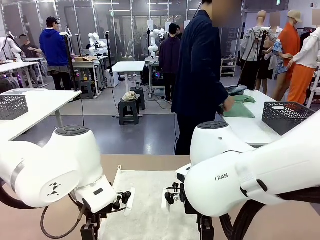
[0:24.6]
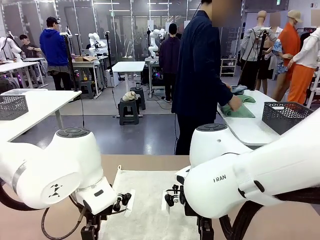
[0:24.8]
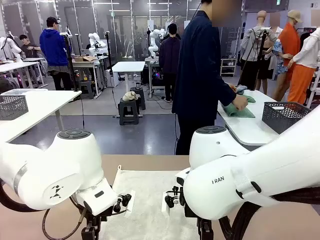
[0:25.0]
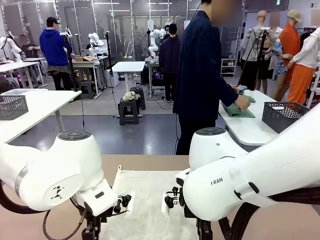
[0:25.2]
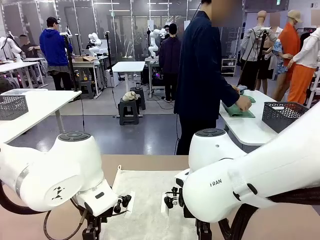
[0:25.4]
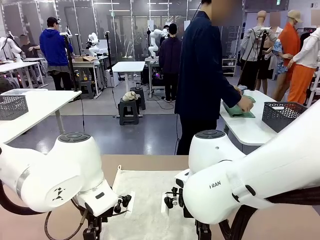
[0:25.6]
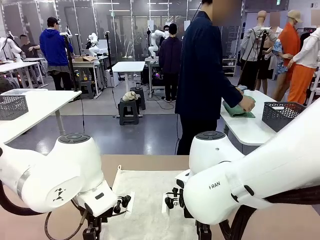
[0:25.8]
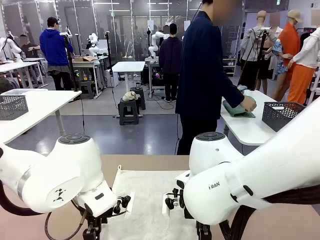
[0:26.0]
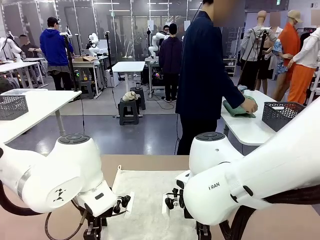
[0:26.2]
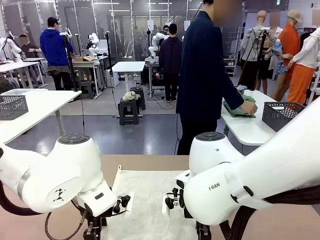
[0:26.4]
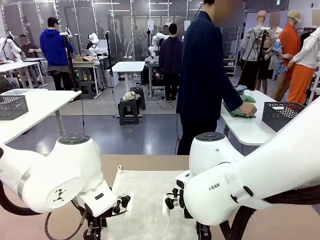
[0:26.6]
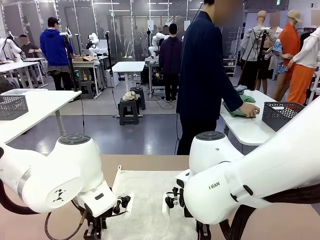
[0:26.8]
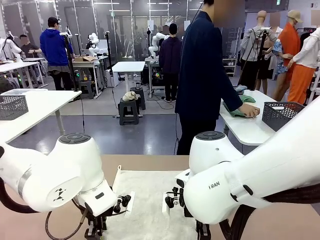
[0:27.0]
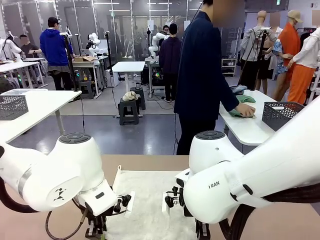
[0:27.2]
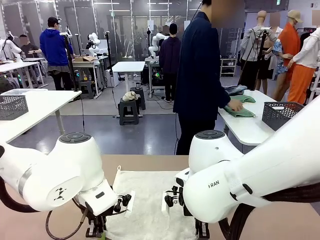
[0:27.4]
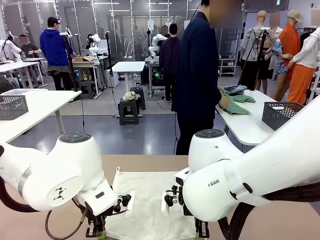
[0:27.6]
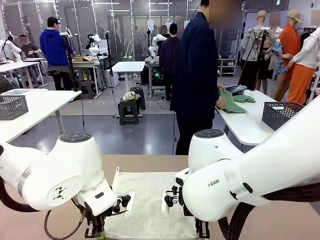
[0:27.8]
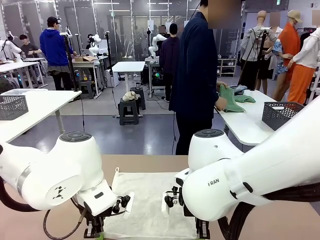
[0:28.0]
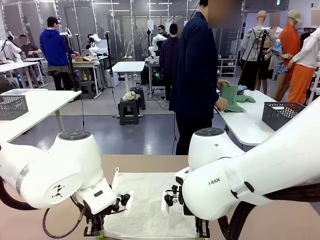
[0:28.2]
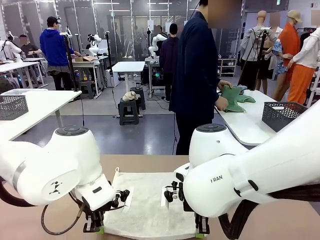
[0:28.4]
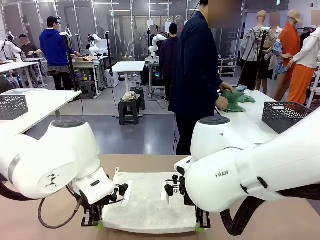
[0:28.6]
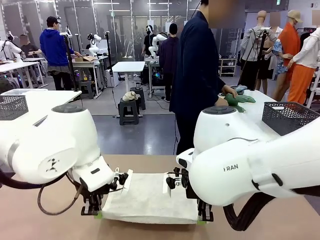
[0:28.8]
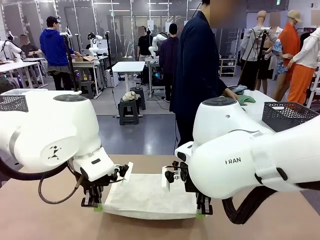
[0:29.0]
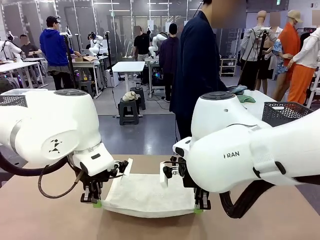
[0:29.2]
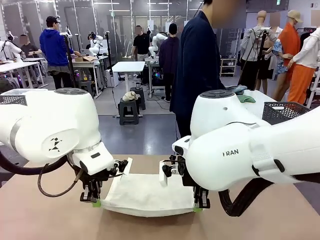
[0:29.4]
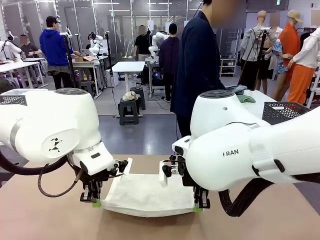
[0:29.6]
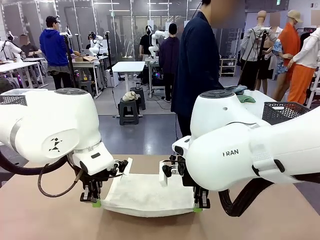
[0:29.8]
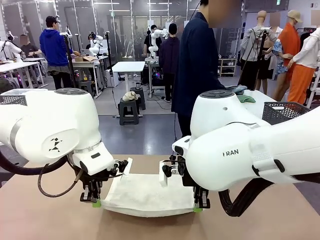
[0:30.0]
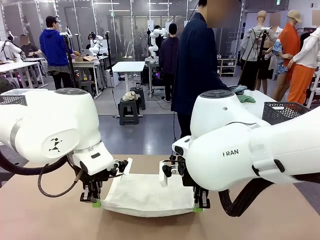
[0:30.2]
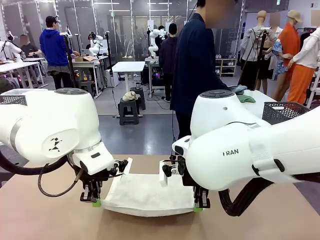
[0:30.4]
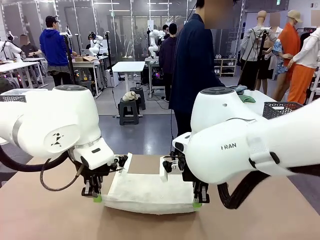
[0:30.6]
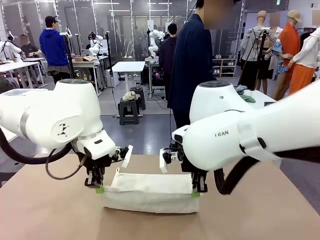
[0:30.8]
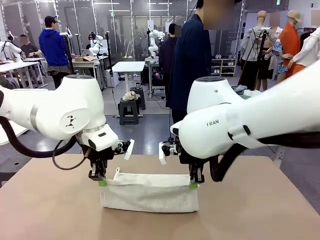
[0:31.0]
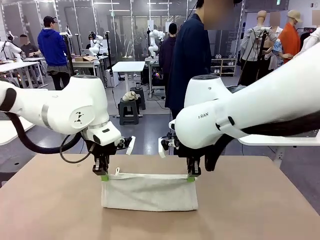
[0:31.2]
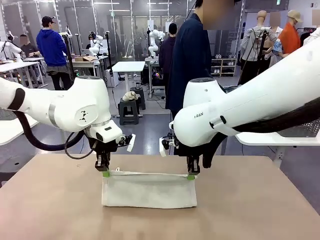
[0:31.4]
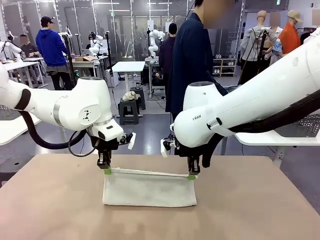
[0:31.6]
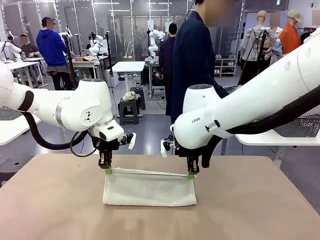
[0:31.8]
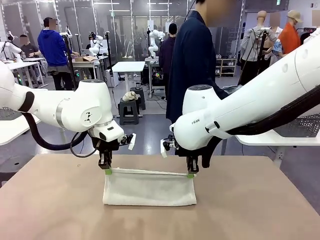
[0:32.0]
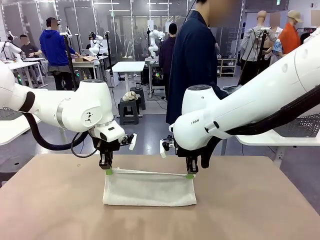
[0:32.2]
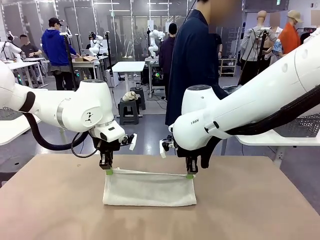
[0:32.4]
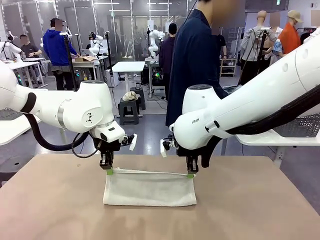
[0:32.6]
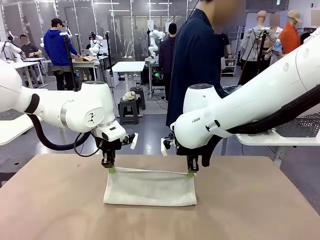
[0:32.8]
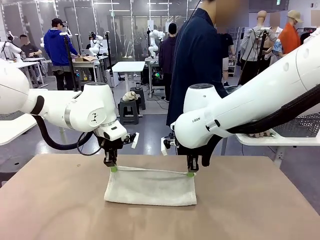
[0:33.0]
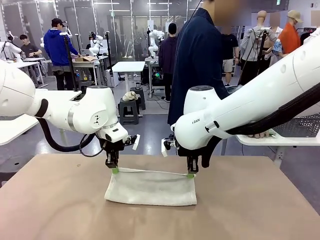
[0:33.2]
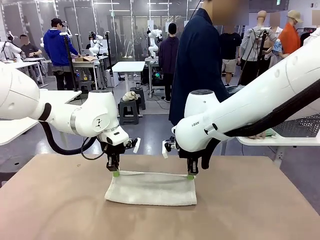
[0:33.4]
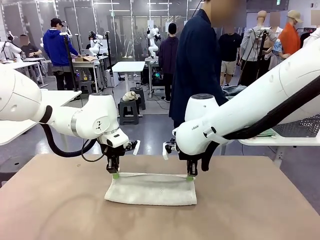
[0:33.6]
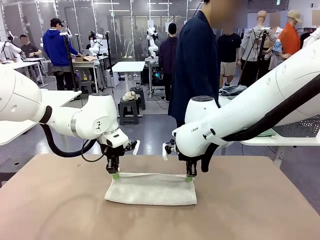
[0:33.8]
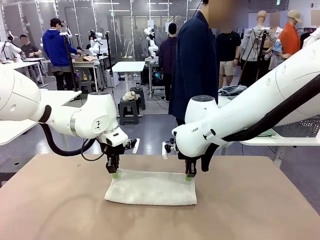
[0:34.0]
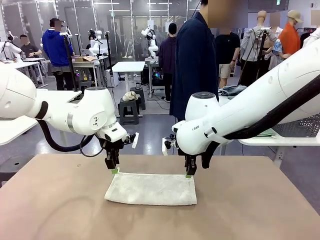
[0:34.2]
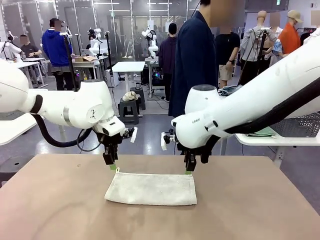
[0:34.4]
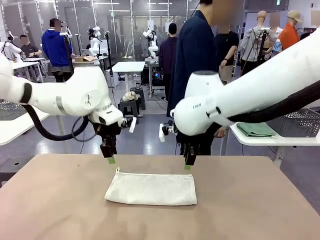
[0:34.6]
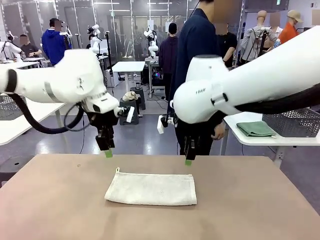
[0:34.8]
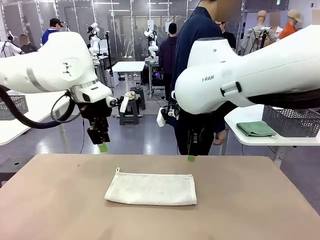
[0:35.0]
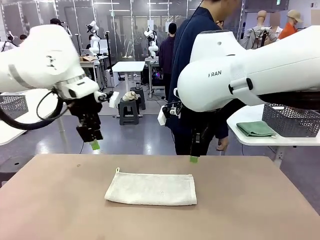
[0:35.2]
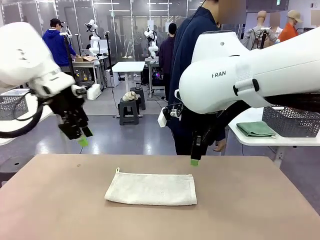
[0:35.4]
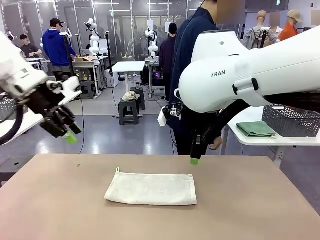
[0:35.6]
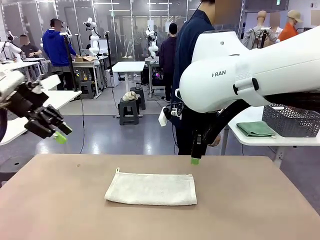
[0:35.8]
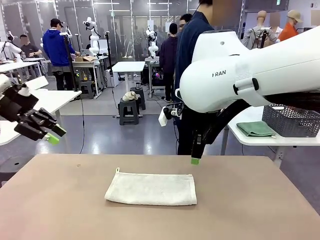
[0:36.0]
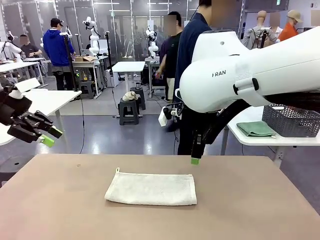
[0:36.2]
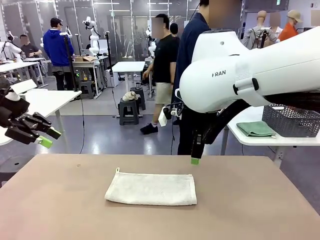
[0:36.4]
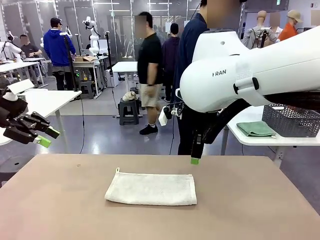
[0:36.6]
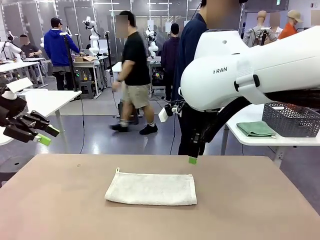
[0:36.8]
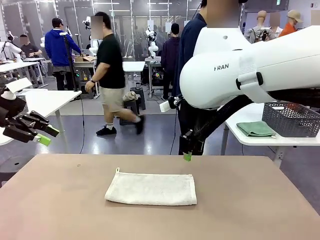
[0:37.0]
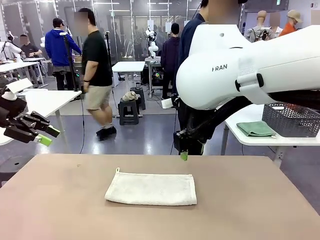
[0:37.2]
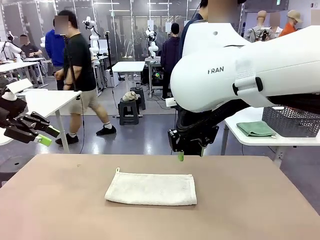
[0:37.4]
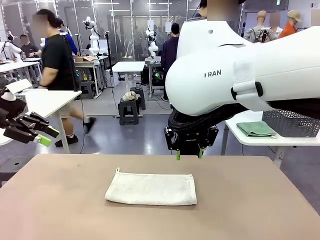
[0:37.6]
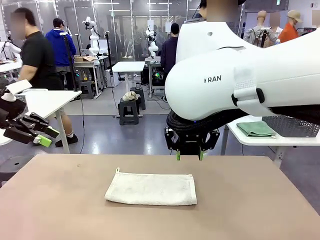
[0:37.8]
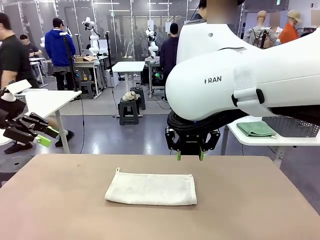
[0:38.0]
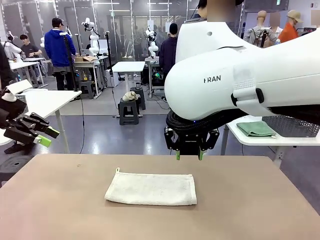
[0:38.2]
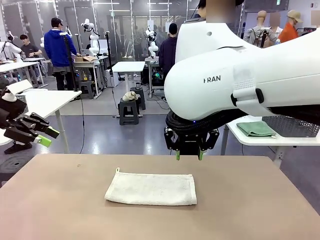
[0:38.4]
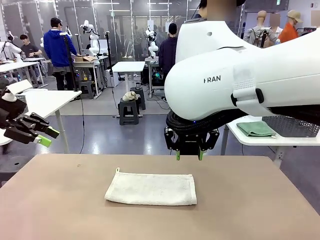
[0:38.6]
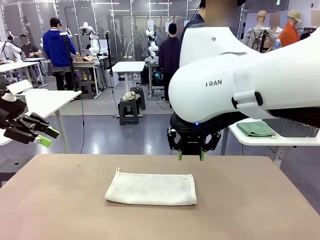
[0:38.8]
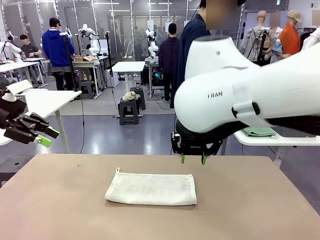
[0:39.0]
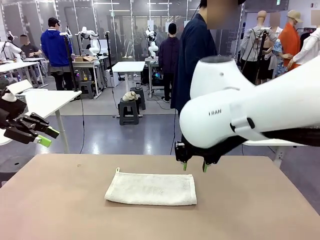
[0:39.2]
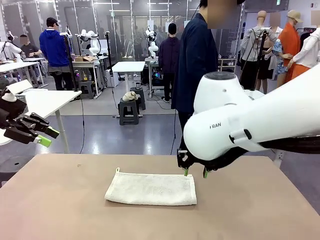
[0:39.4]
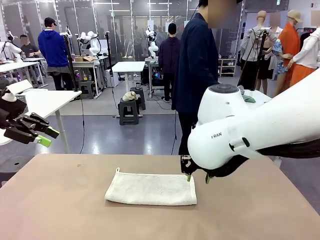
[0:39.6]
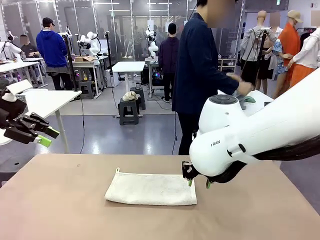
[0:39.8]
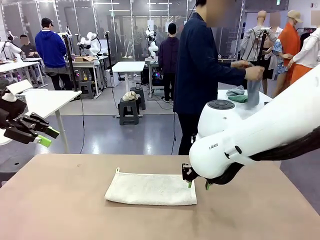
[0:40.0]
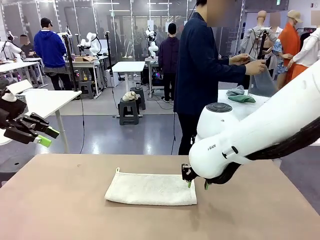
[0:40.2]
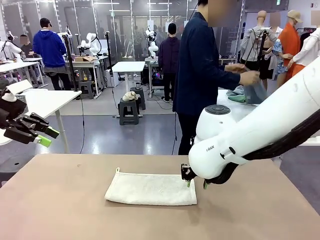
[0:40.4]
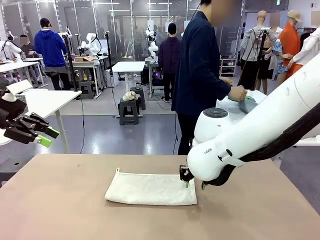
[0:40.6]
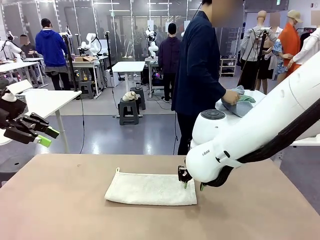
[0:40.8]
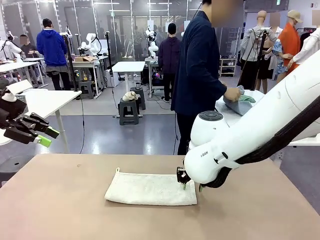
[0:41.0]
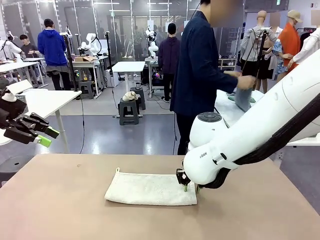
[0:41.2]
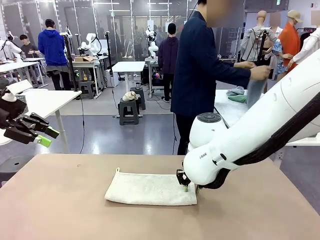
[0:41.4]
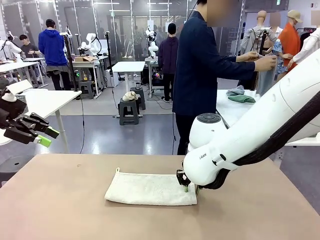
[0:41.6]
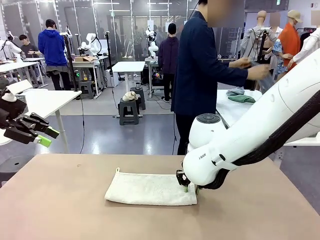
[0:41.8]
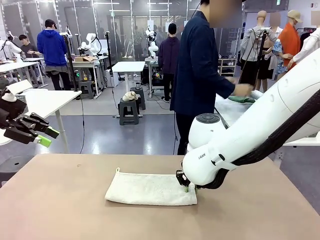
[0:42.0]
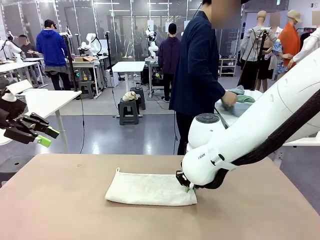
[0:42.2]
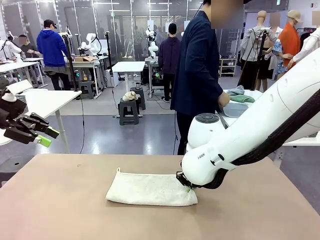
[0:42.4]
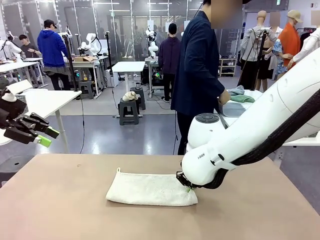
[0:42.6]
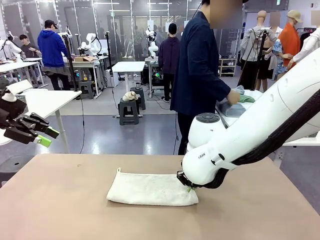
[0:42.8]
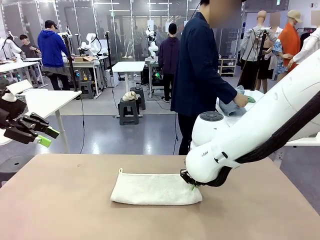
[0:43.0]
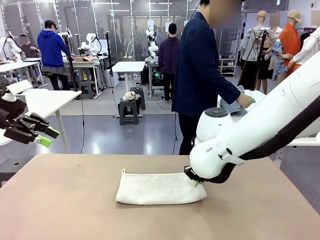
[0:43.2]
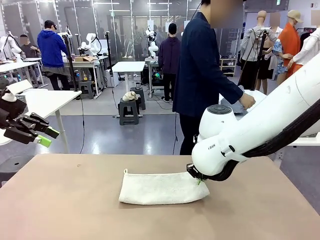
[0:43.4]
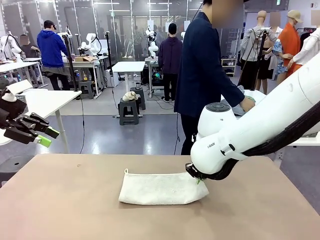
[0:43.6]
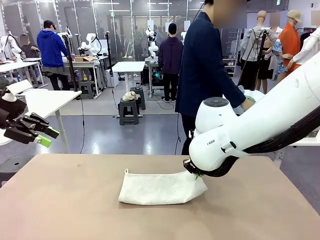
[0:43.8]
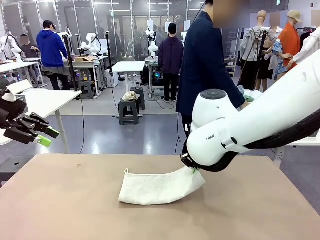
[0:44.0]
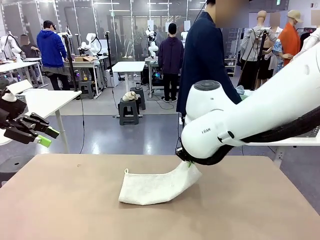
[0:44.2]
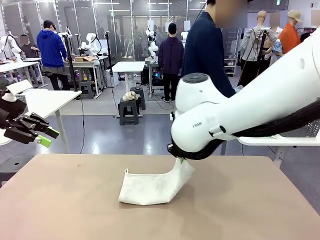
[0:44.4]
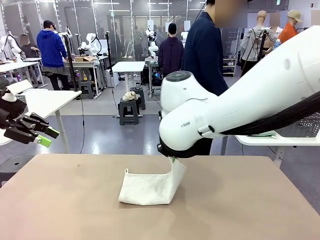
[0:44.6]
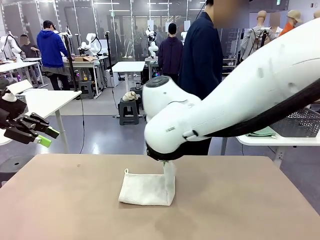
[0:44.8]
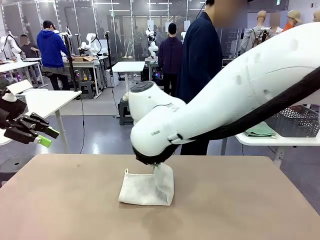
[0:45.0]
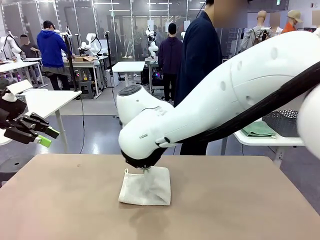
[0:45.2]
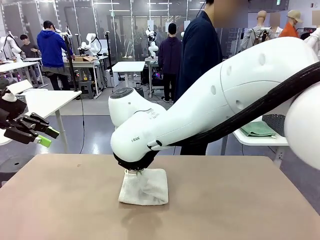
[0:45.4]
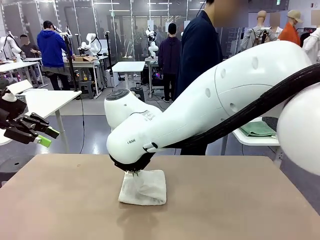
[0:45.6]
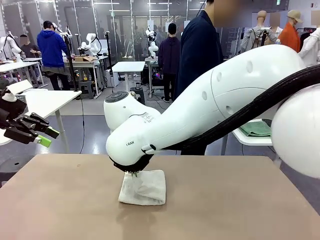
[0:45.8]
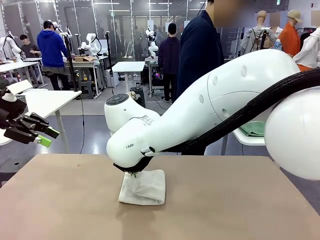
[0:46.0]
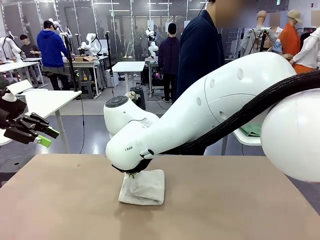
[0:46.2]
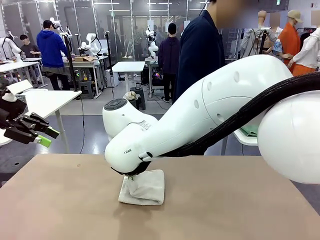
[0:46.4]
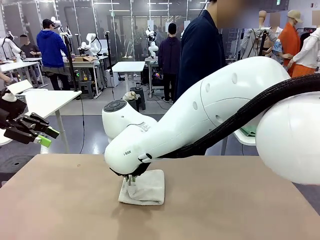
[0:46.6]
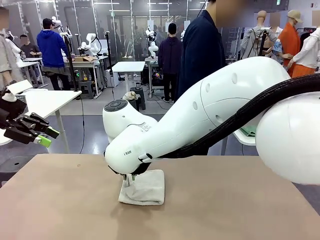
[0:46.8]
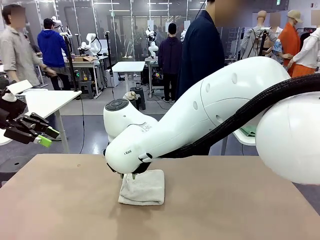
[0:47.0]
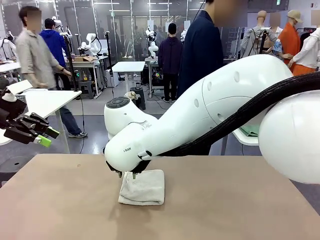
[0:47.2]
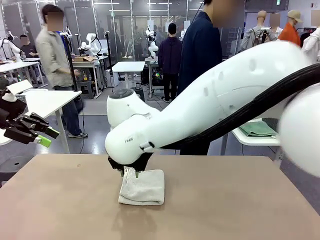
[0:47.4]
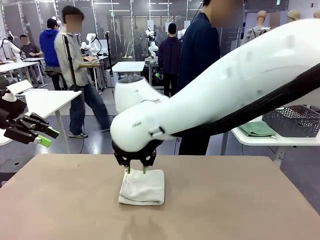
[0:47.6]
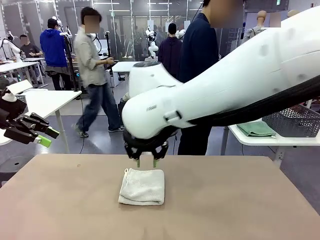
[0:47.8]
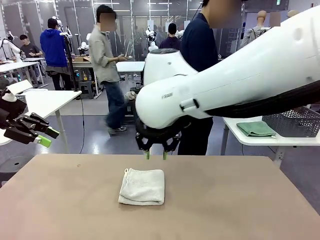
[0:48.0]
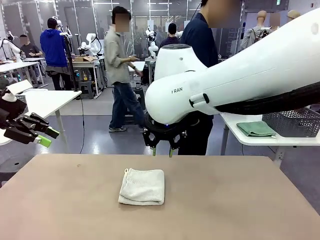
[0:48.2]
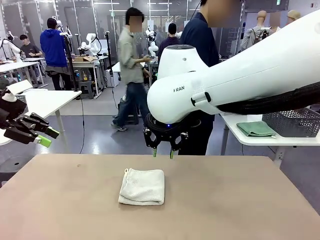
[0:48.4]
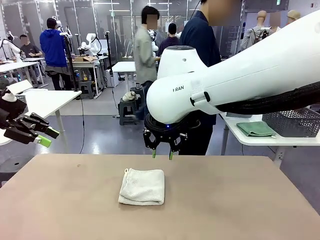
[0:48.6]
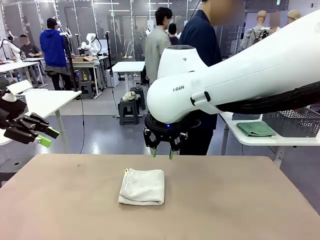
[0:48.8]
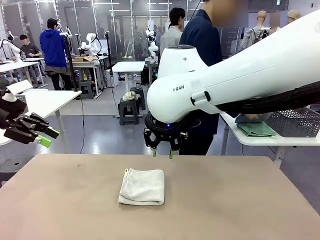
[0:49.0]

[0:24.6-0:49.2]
Task: Fold the towels and place them in the basket.
Robot: When a person lays out a Towel with hook on the table, fold it in half twice.
Person: Pick up one towel from the left side of the human table, fold it in half twice, and place it on the right side of the table. Pick up one towel from the left side of the human table, fold it in half twice, and stack it on the right side of the table.
